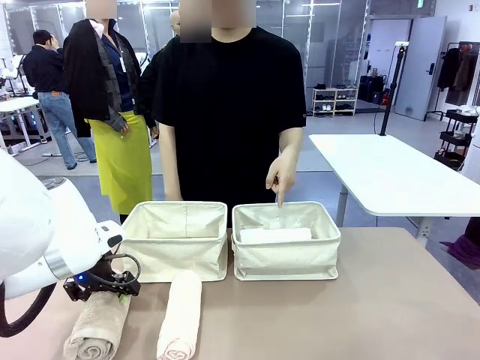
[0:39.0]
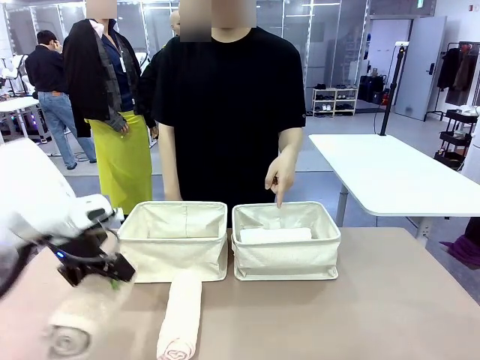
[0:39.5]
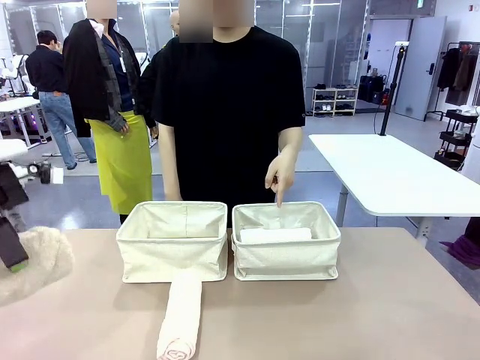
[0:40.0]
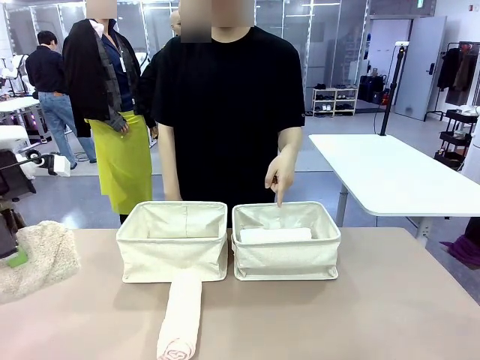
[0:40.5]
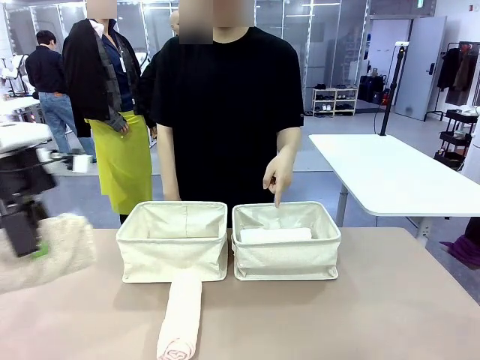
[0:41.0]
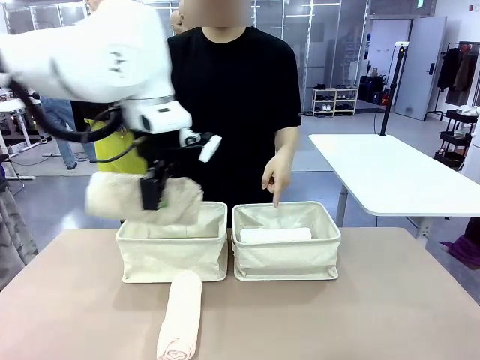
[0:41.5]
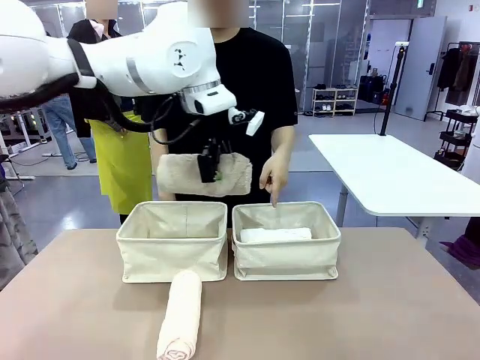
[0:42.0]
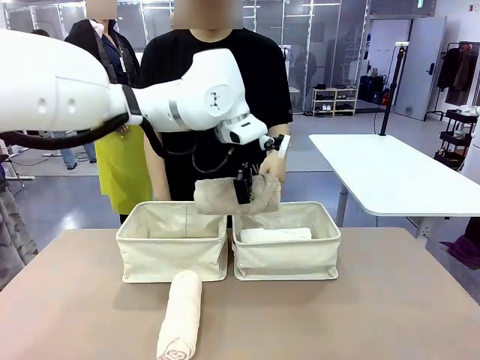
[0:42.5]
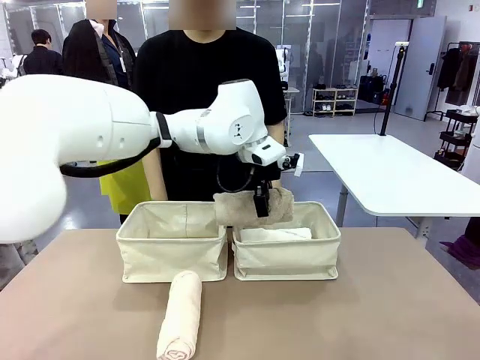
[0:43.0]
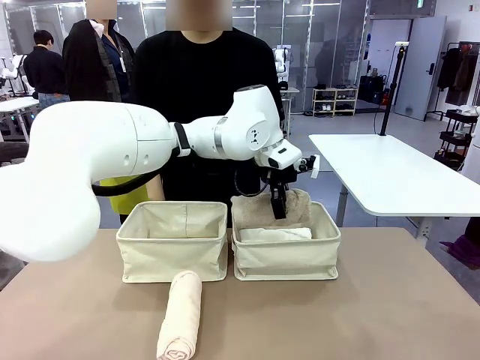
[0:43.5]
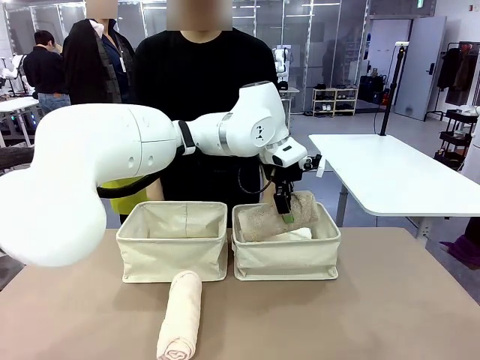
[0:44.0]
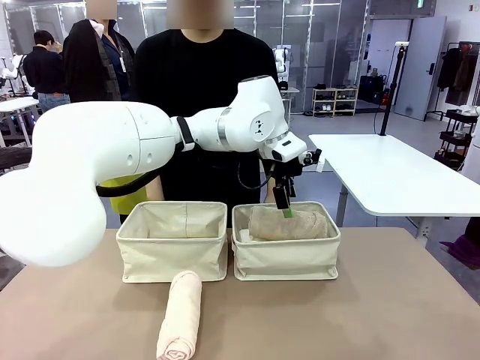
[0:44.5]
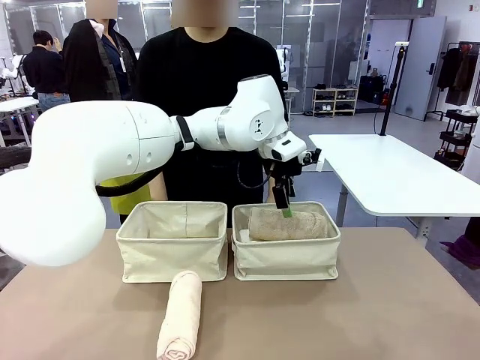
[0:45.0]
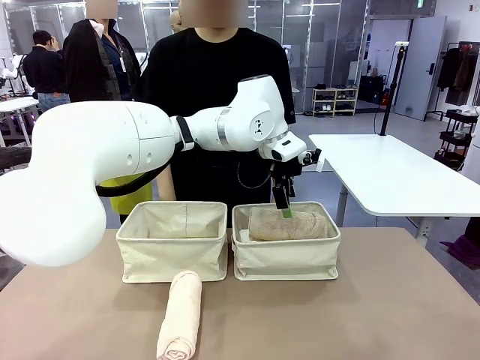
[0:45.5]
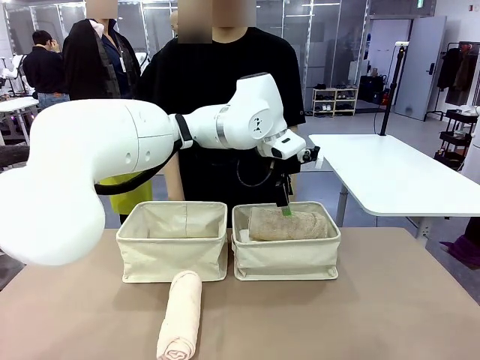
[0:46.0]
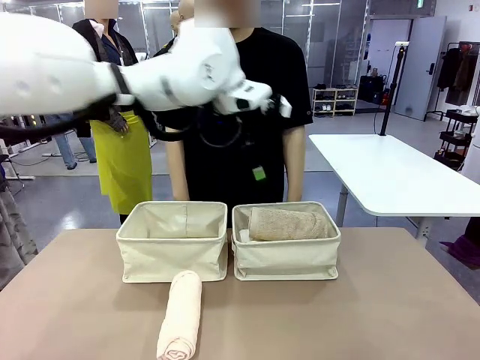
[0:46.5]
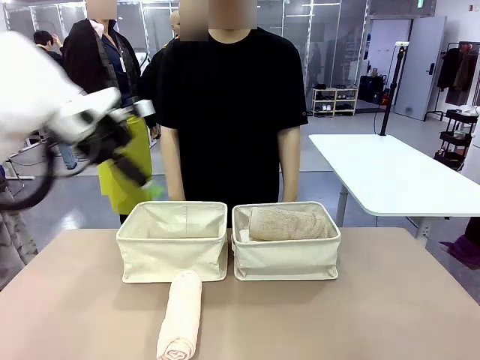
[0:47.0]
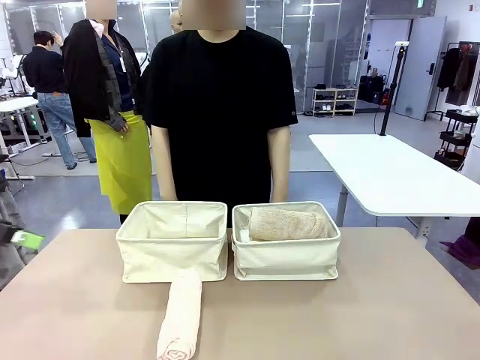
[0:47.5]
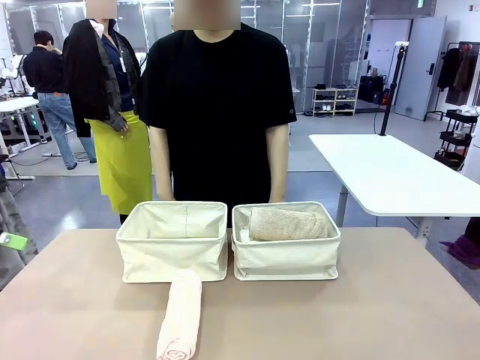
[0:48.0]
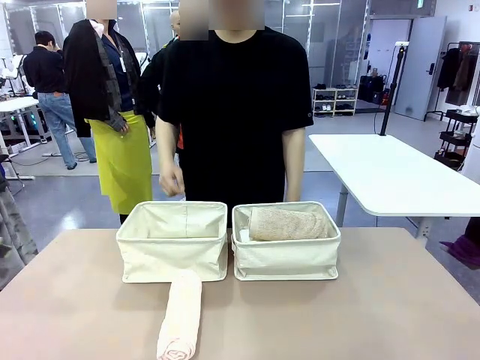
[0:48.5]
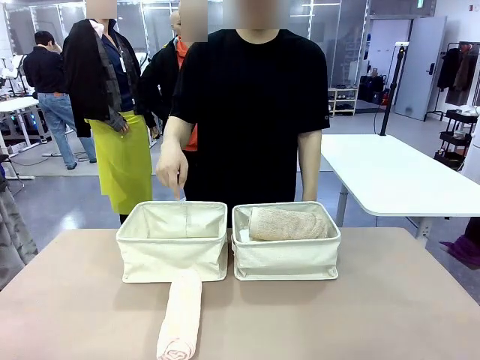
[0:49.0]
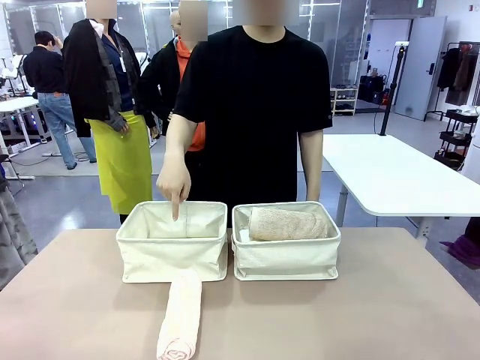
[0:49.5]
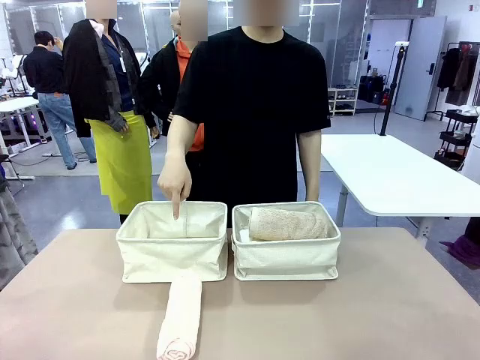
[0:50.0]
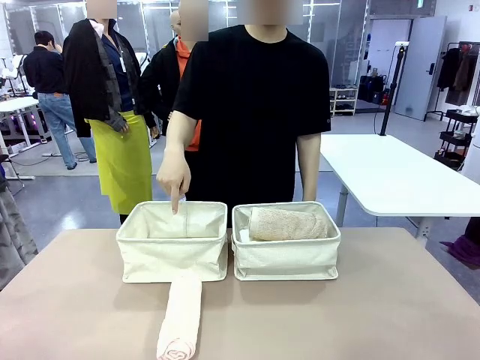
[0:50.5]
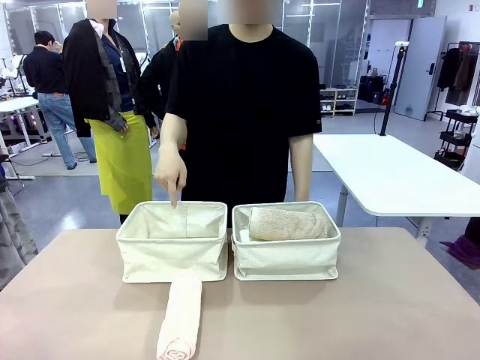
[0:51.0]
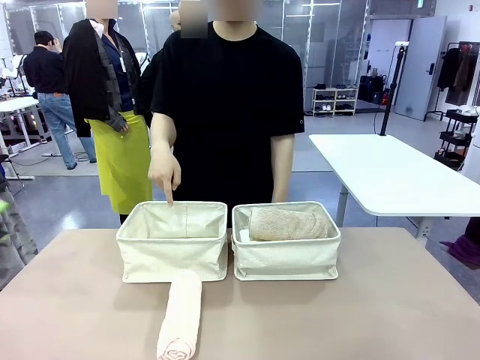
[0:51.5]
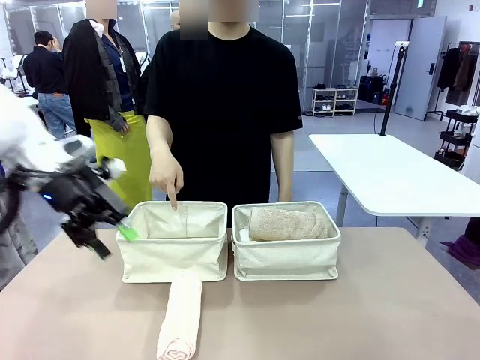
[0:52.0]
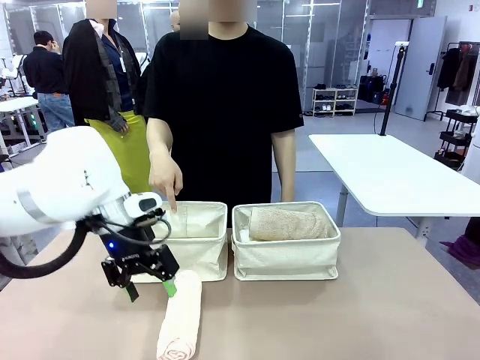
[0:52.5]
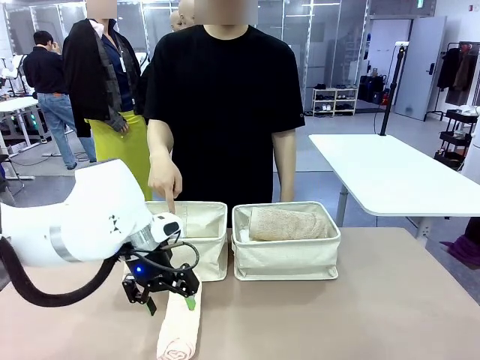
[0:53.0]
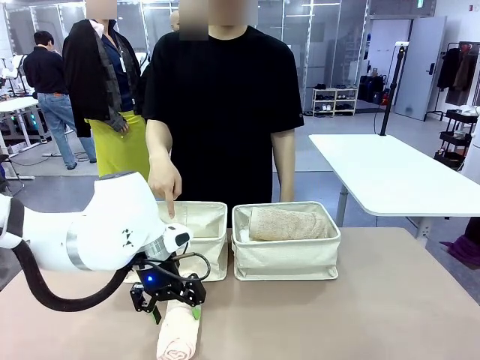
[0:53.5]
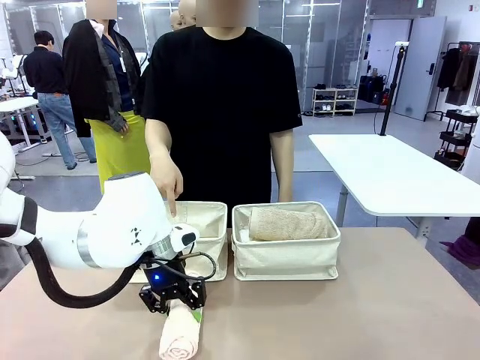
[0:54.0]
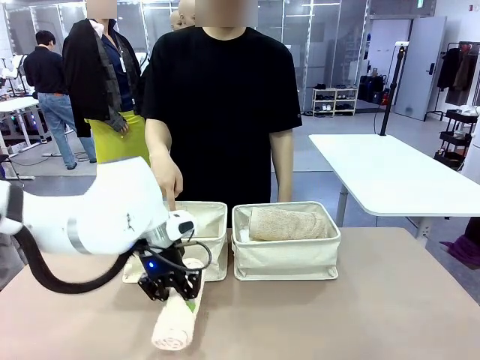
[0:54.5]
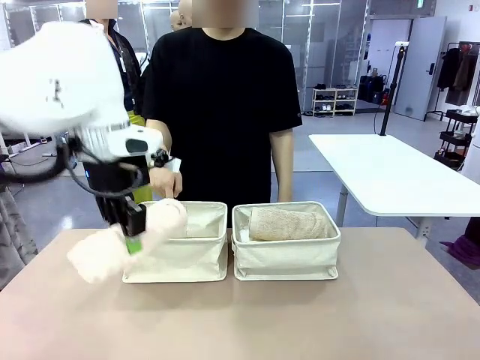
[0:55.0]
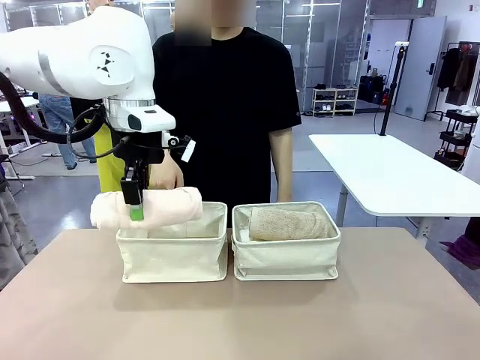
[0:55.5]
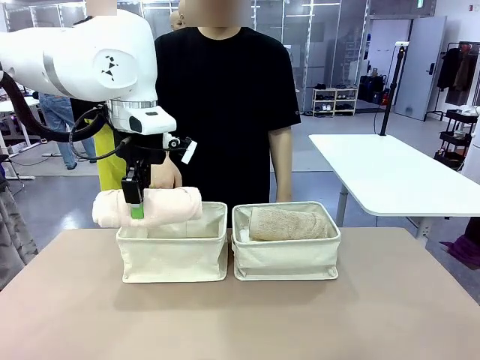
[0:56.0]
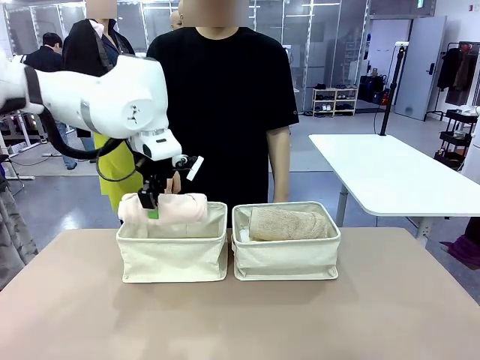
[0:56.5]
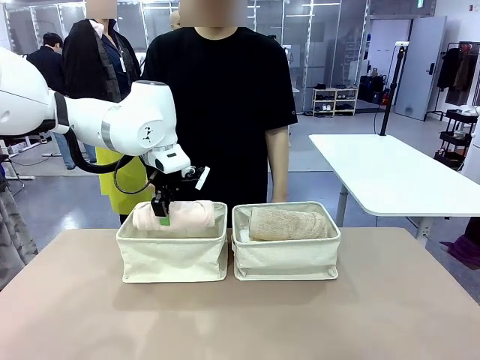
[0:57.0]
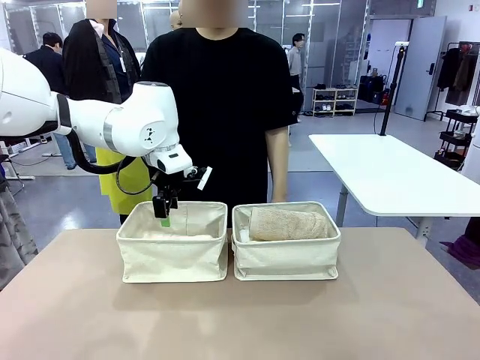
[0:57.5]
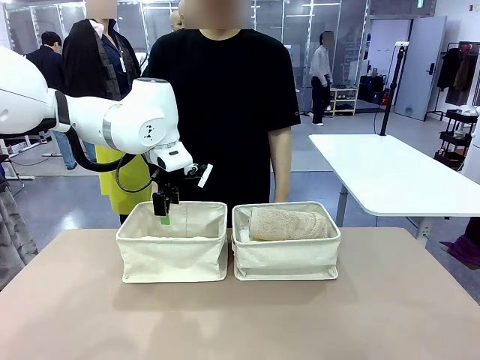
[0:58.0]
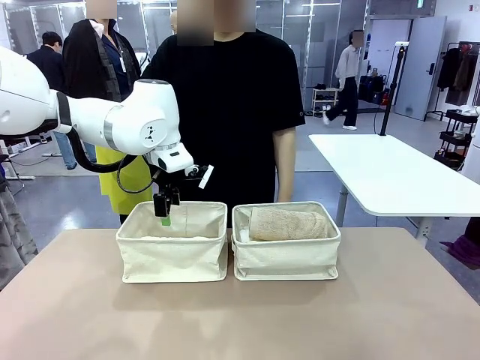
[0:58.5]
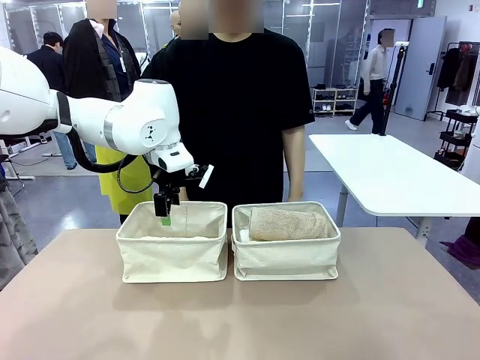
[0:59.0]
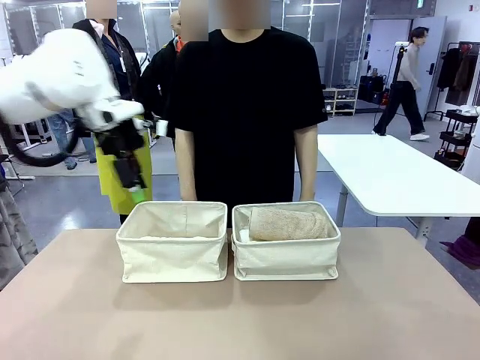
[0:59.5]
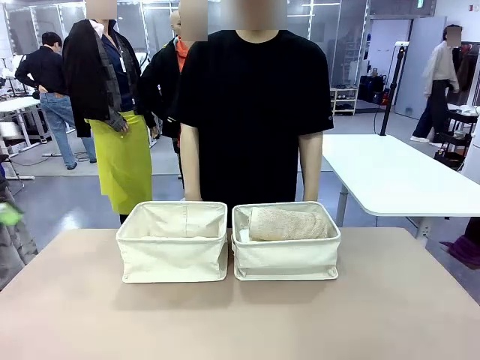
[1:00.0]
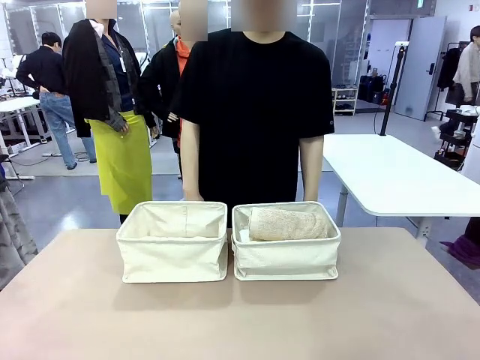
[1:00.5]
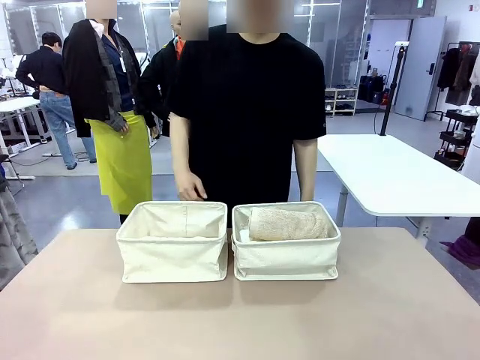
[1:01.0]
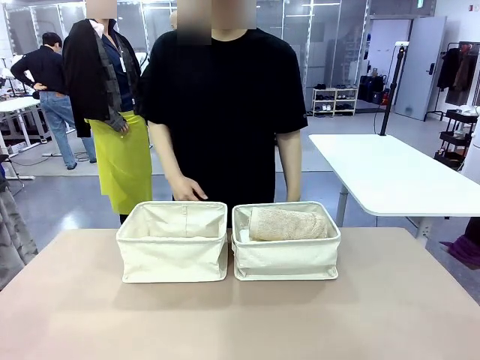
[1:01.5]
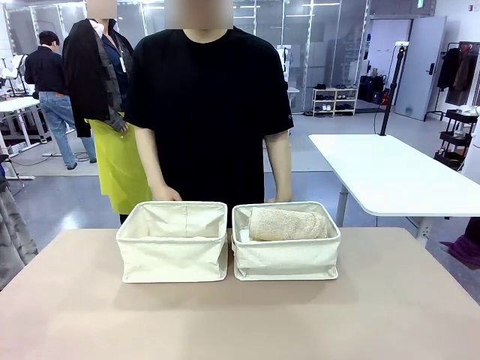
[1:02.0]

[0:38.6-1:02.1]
Task: Divide the towels into two baskets.
Robot: Pick up one hotel-folded towel from the bottom of the table and place it in the Fabric basket indicated by the person.

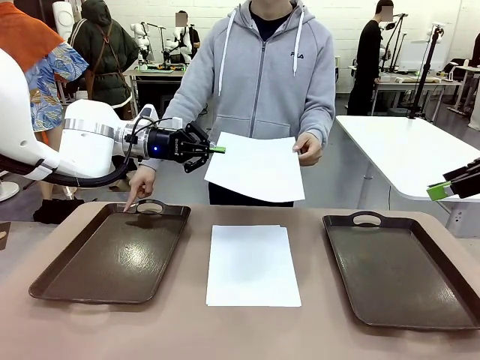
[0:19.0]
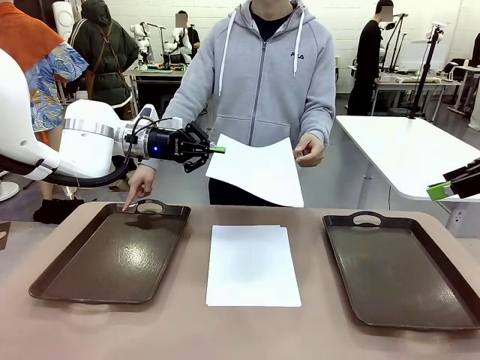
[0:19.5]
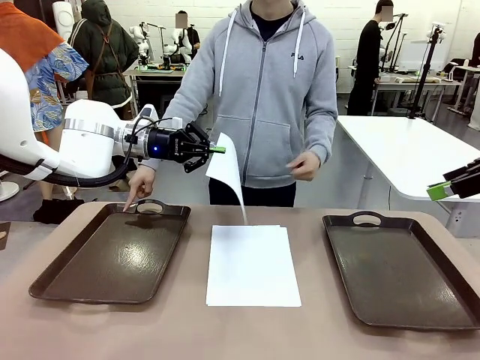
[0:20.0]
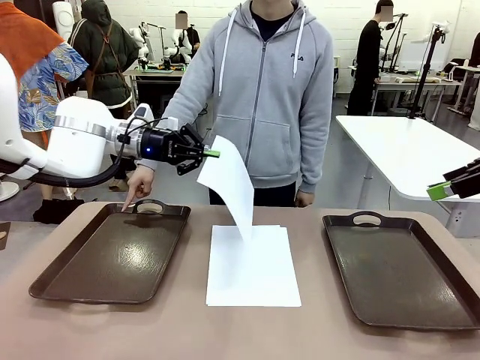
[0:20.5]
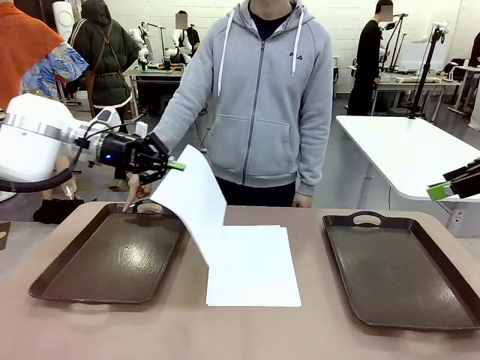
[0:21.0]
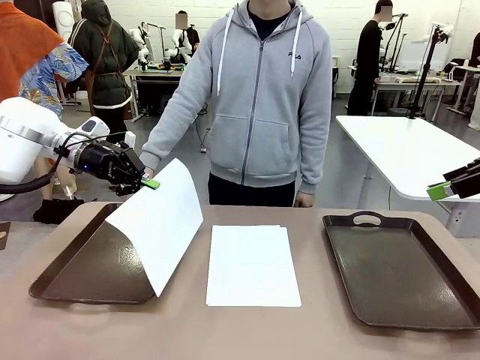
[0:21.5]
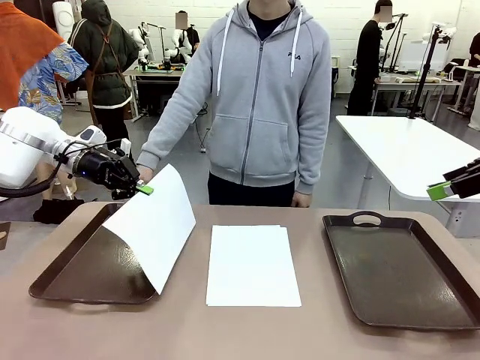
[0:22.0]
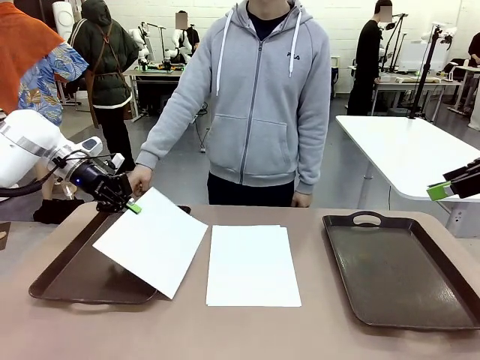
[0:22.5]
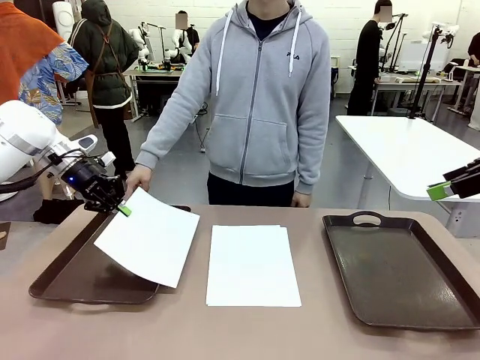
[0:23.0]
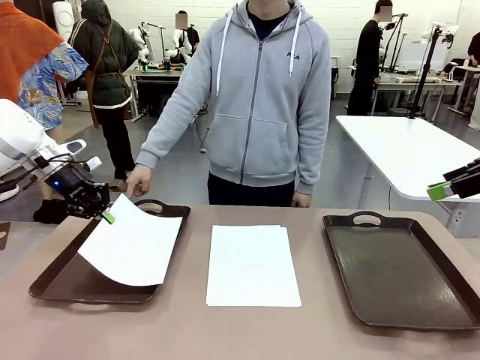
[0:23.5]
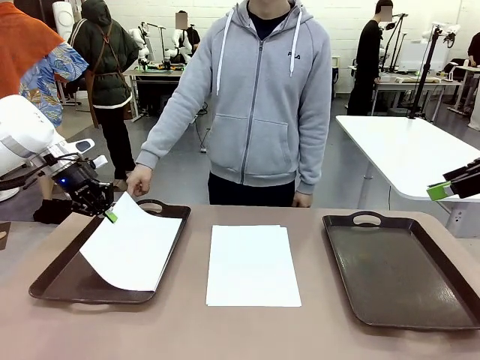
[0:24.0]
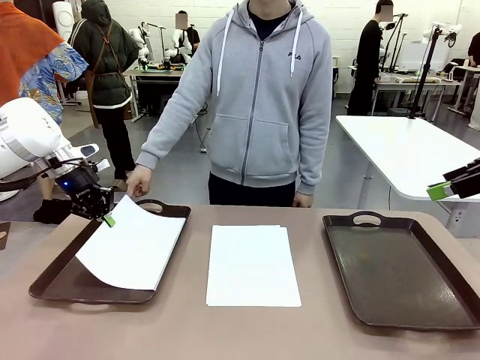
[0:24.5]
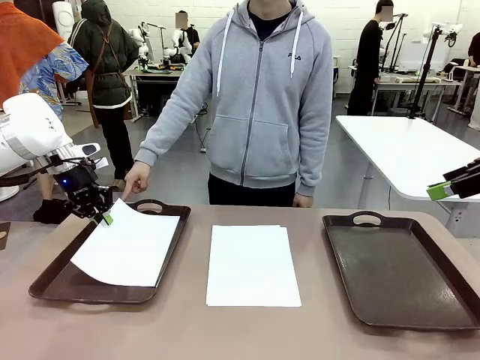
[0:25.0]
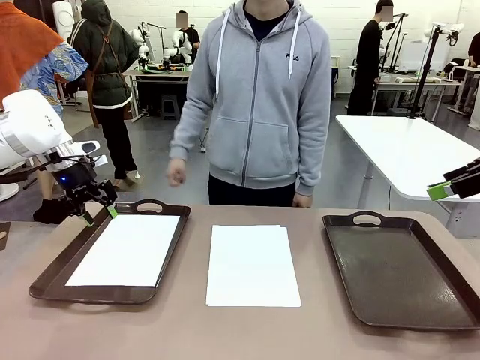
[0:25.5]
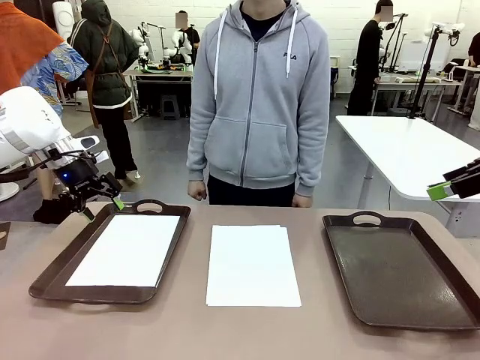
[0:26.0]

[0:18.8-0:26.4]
Task: Sort the A4 documents.
Robot: Place the A4 Paper in the designated Handle tray.
